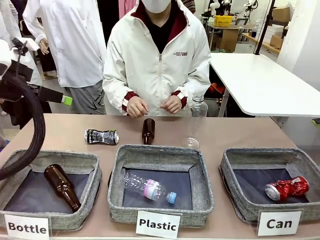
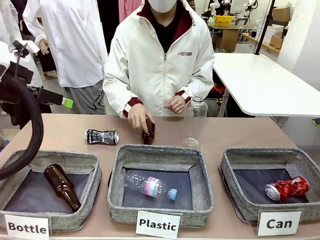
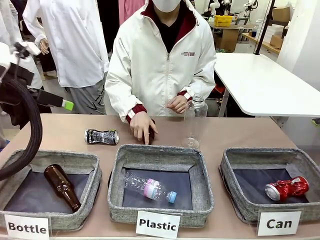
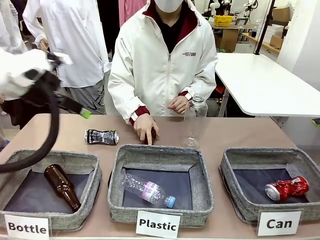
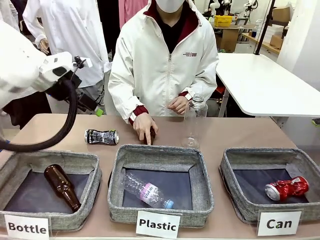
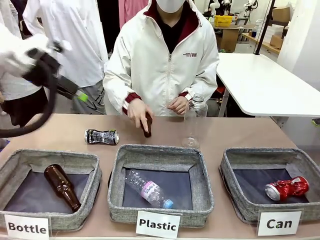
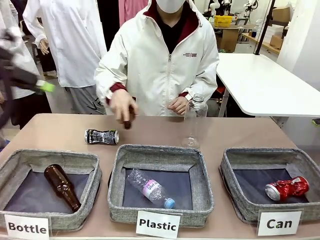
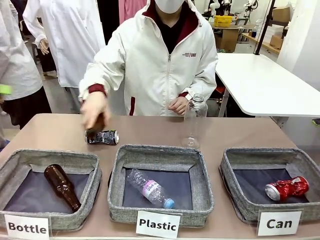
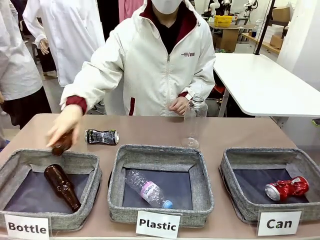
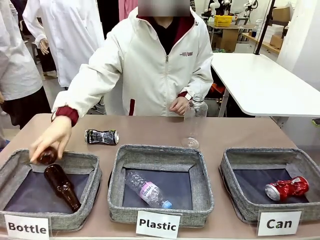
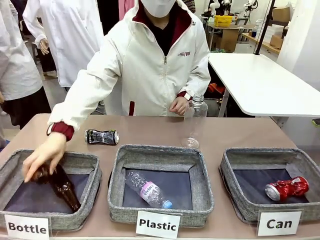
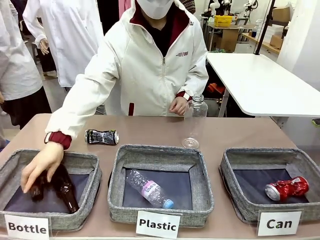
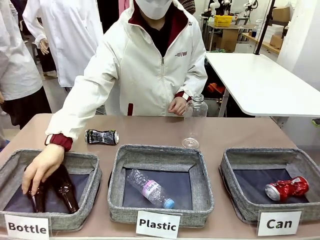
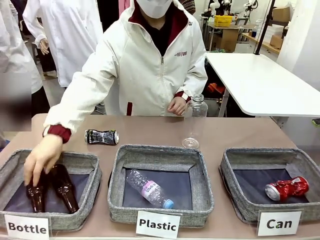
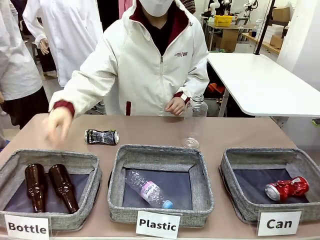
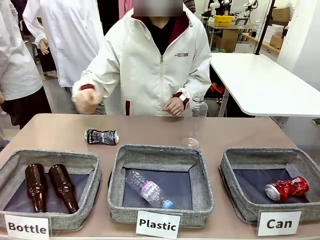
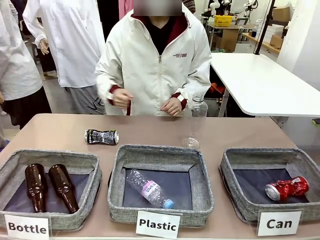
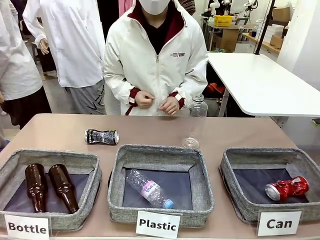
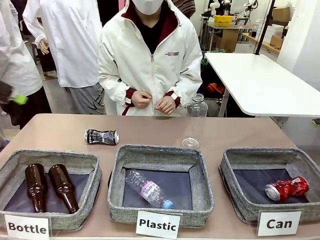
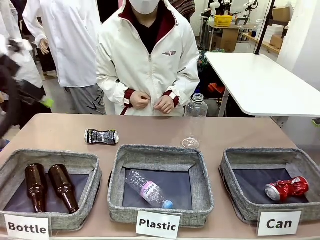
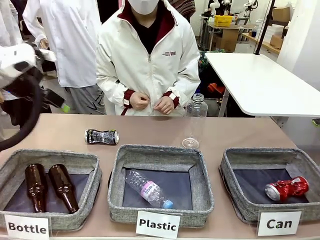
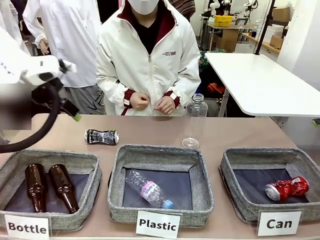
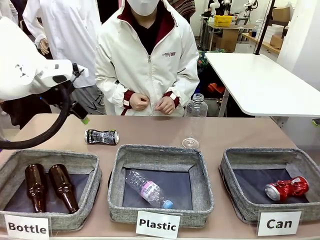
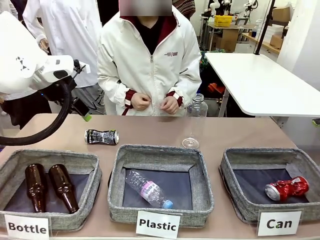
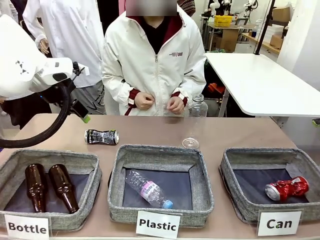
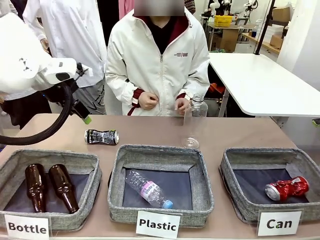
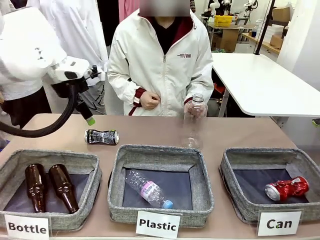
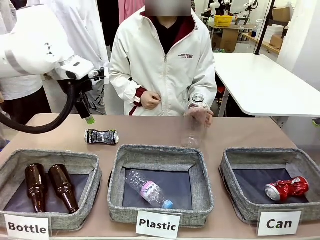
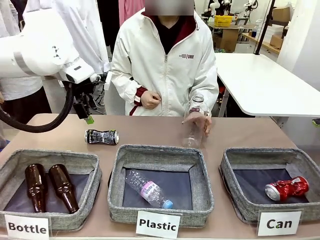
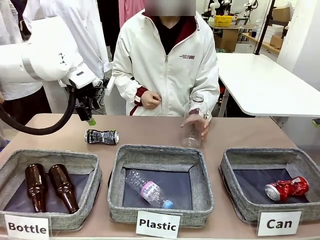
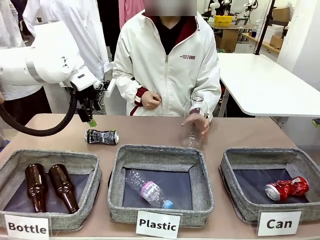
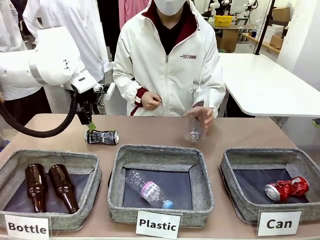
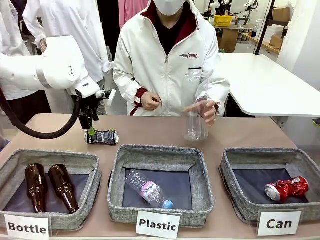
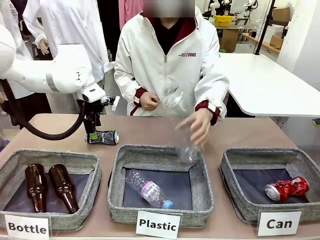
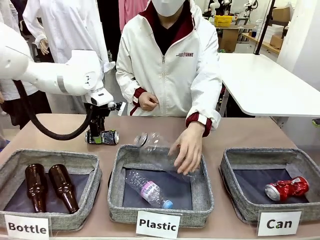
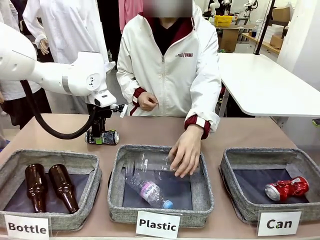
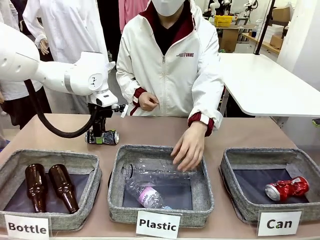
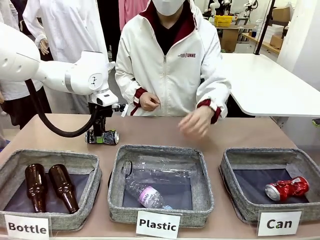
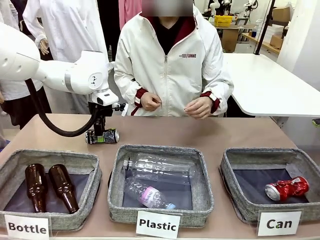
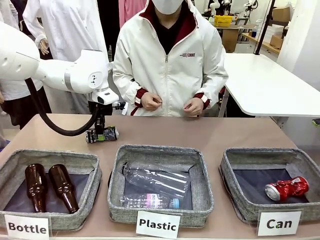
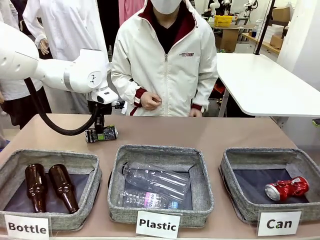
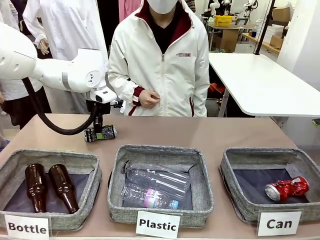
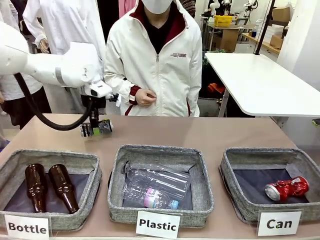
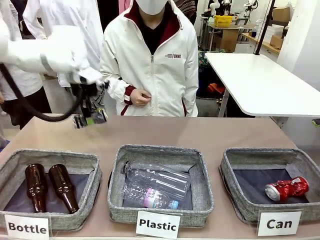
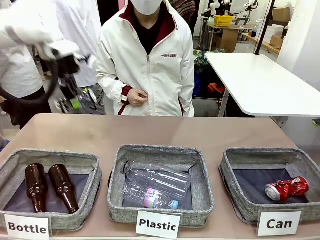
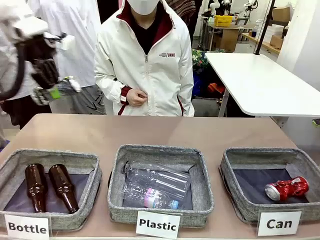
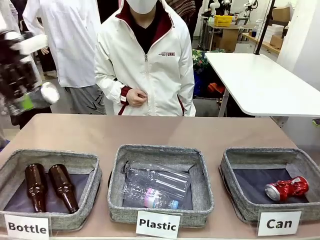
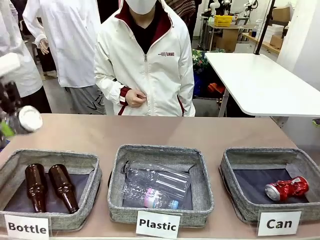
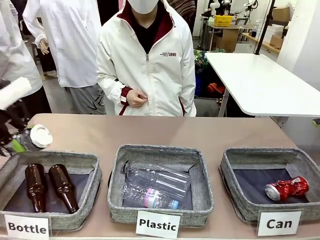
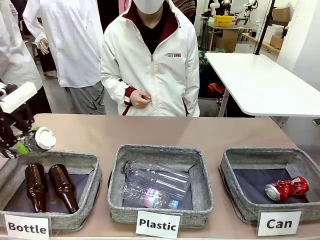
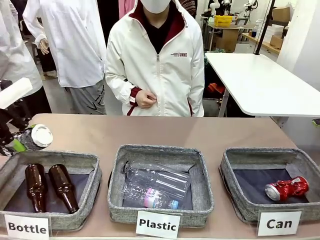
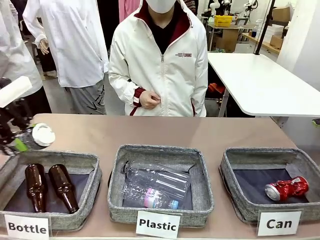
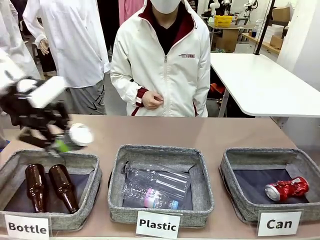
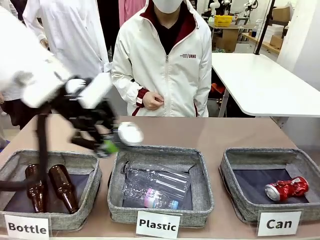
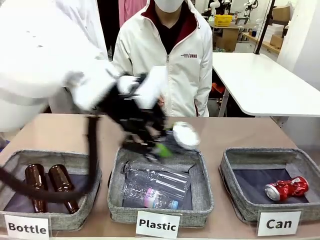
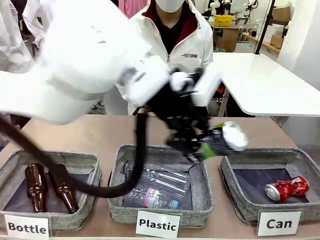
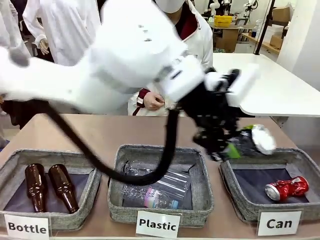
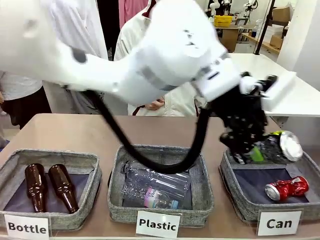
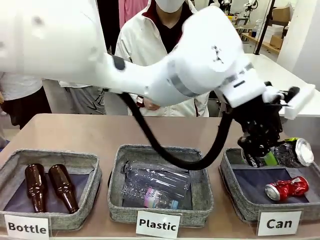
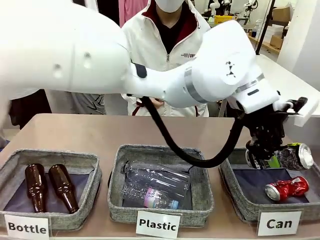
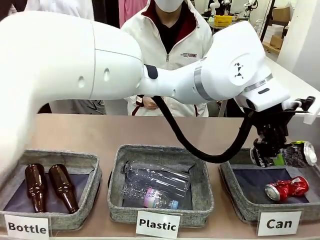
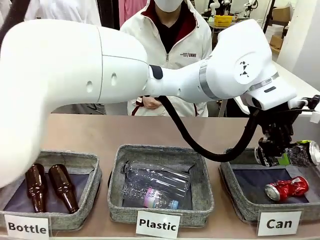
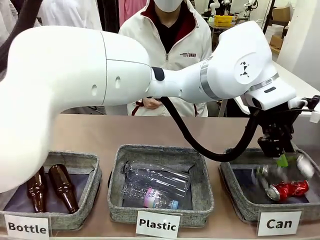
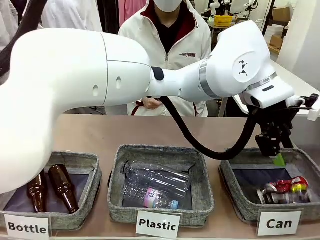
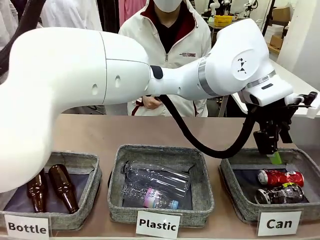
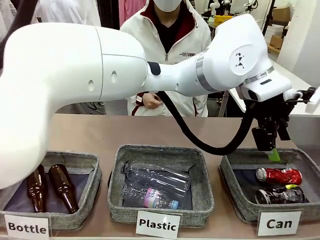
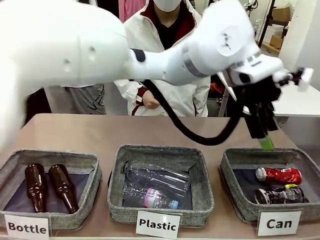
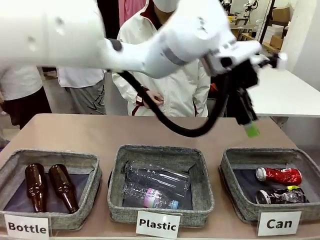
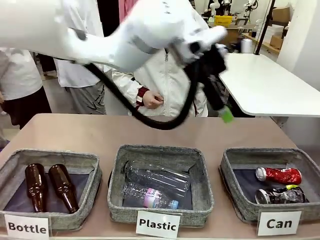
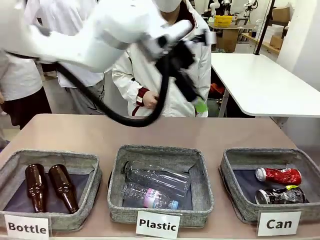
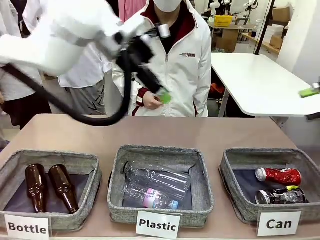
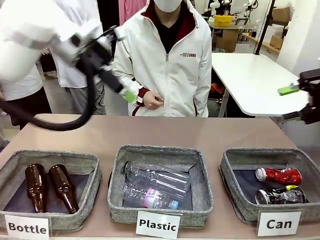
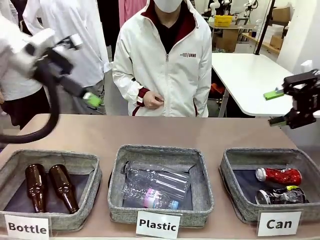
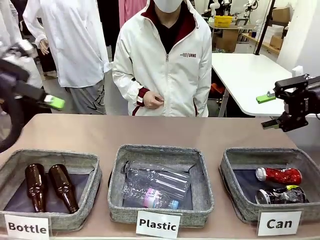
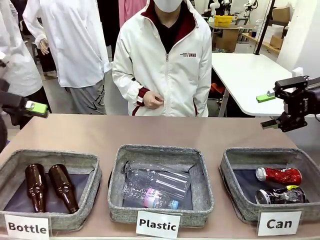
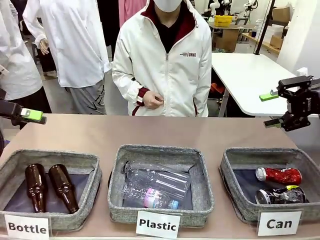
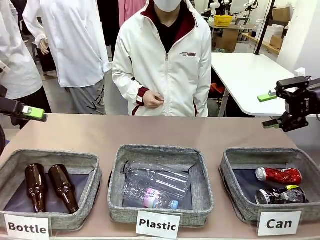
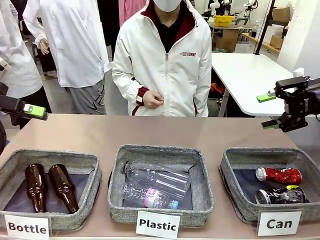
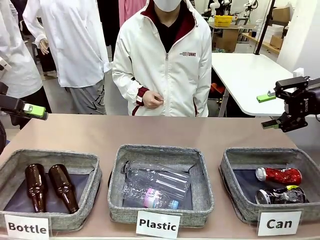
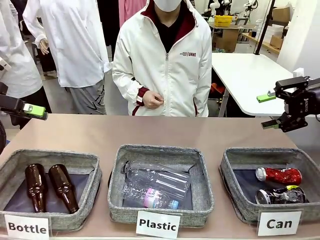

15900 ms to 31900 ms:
Task: Sort the can waste into the basket.
Robot: Pick up the can waste from the table and place it in the right Fabric basket.
Person: The human picks up one piece of trash that is not a can and places the trash into the appropriate organizing basket.
